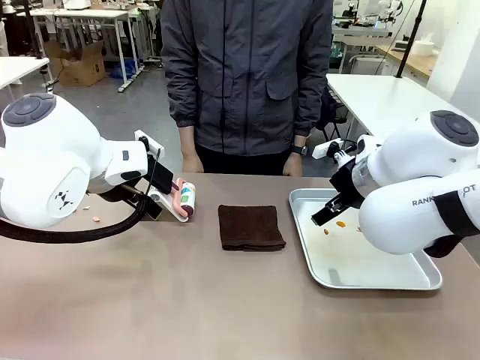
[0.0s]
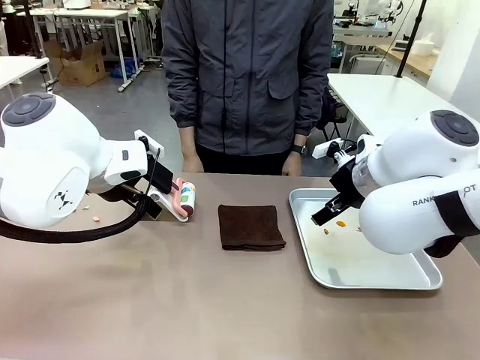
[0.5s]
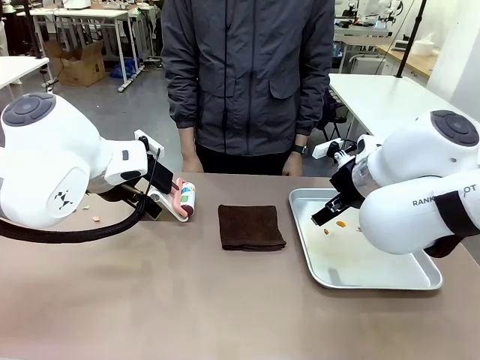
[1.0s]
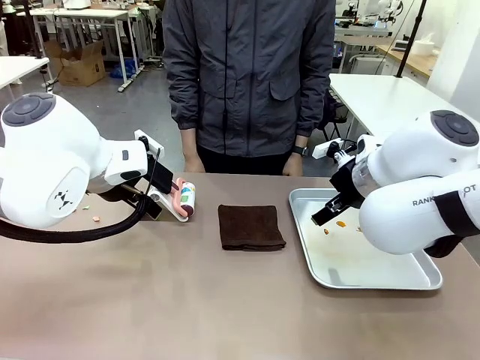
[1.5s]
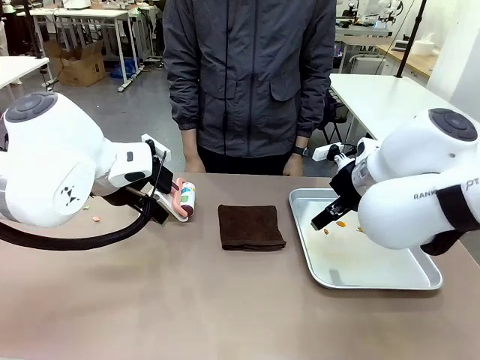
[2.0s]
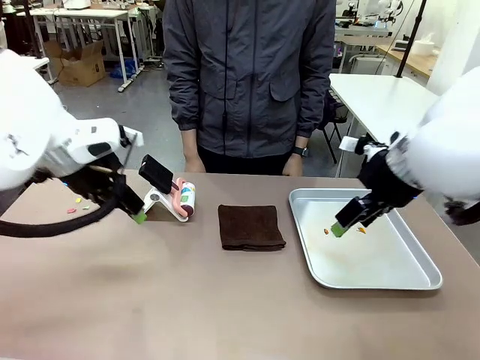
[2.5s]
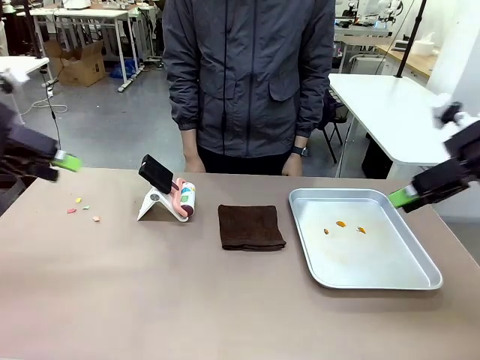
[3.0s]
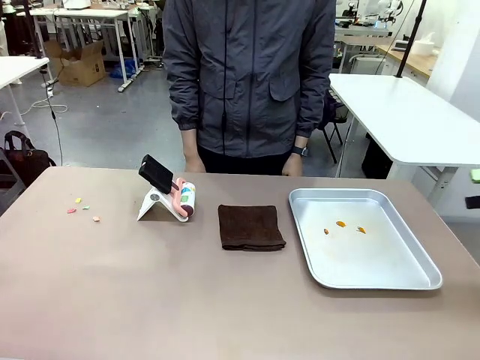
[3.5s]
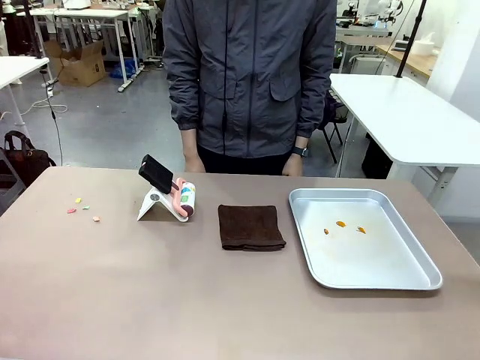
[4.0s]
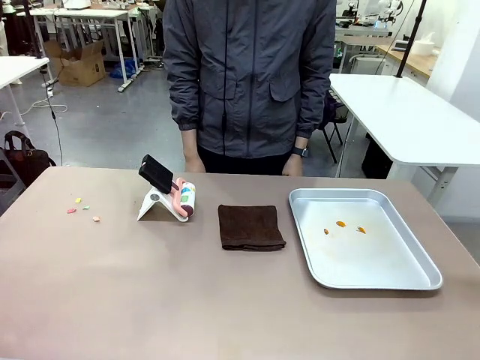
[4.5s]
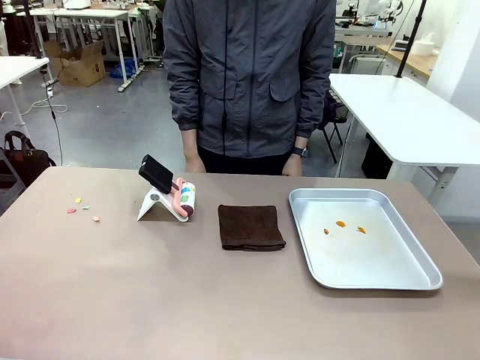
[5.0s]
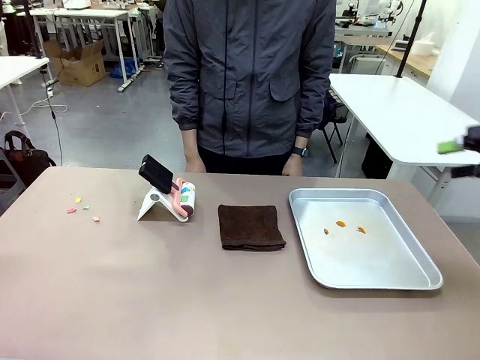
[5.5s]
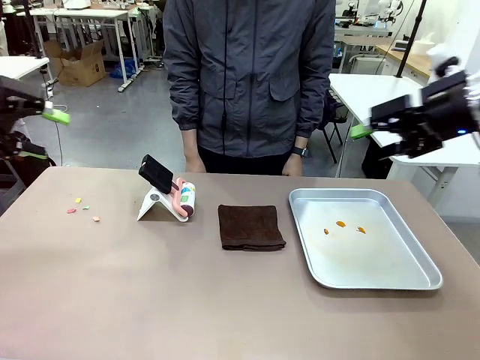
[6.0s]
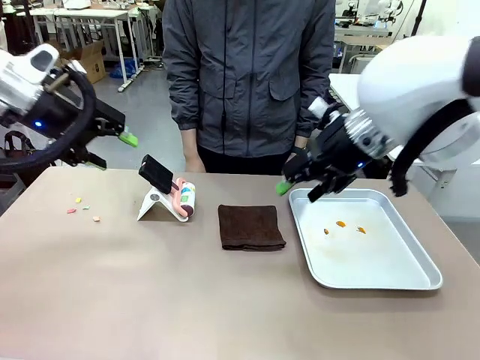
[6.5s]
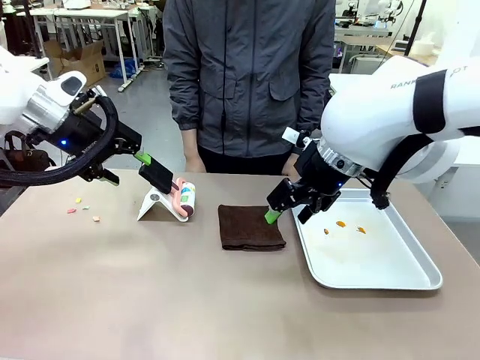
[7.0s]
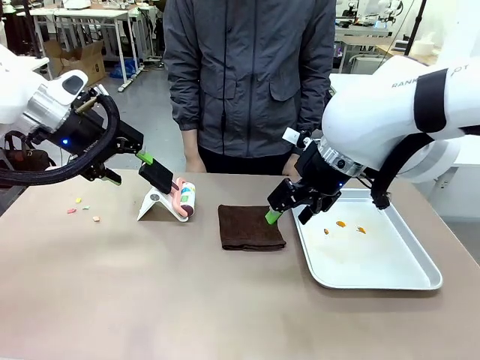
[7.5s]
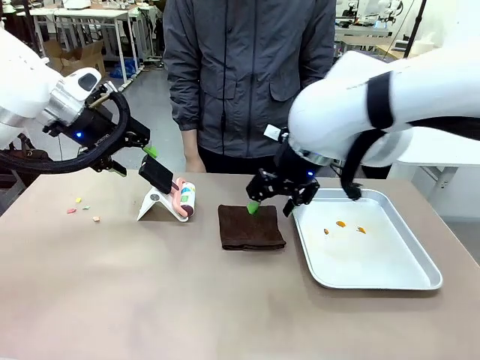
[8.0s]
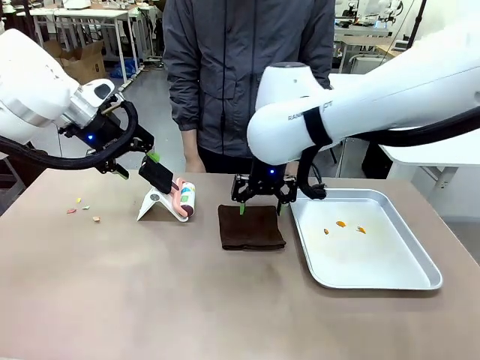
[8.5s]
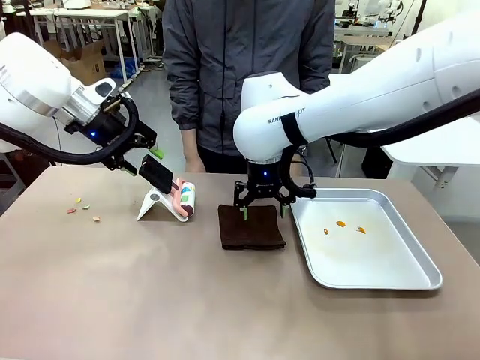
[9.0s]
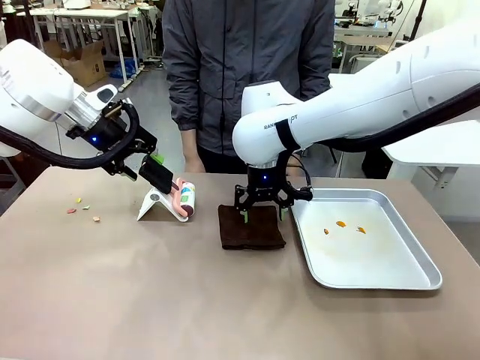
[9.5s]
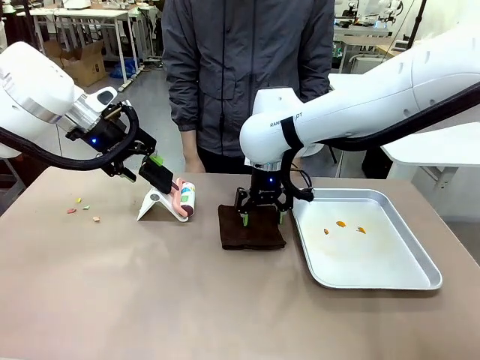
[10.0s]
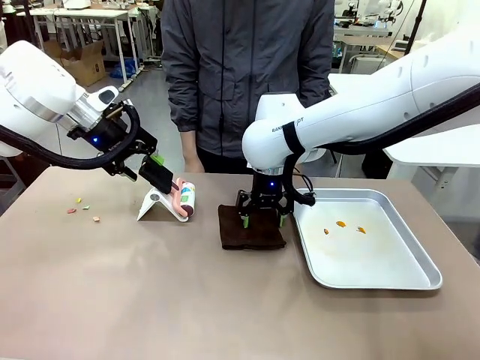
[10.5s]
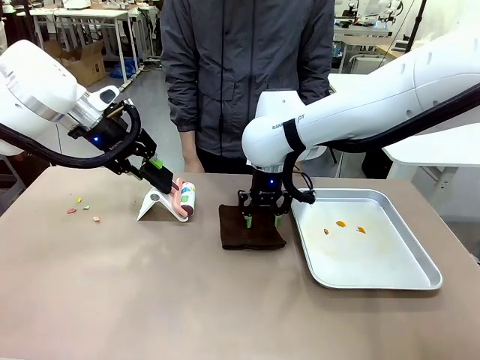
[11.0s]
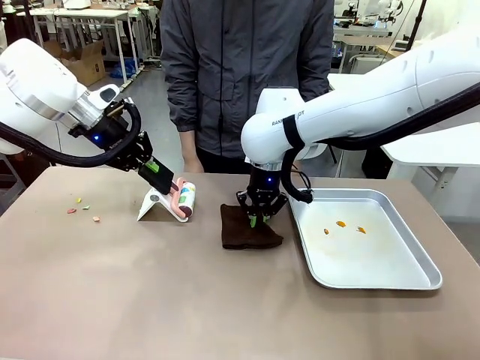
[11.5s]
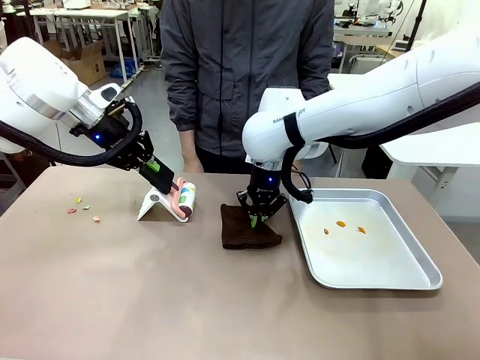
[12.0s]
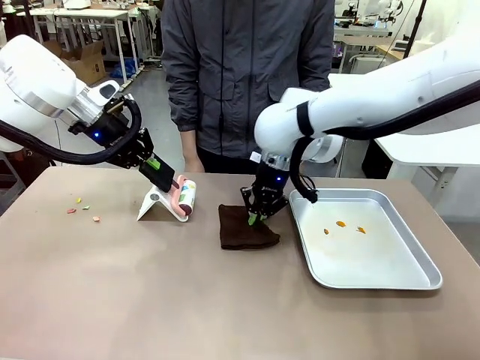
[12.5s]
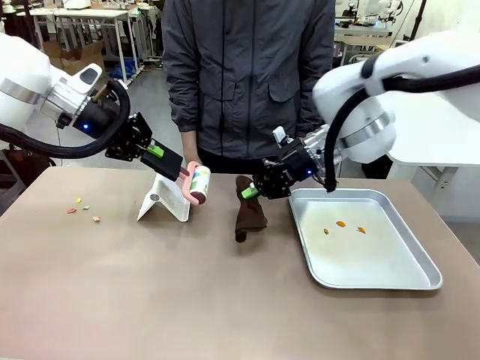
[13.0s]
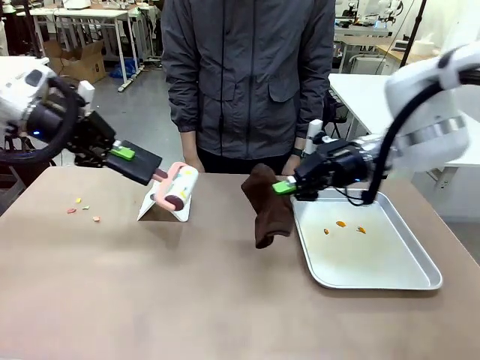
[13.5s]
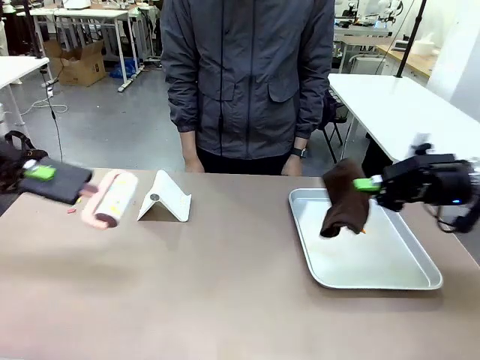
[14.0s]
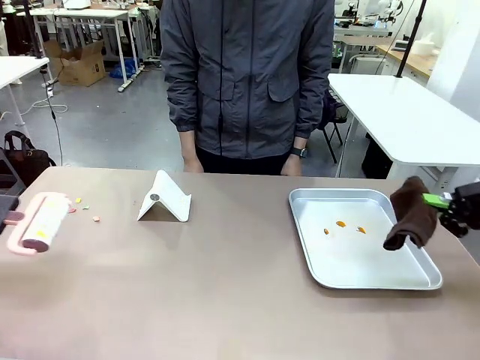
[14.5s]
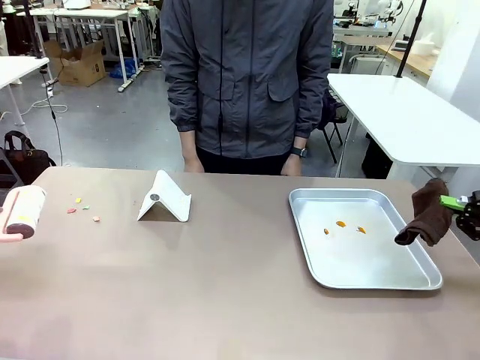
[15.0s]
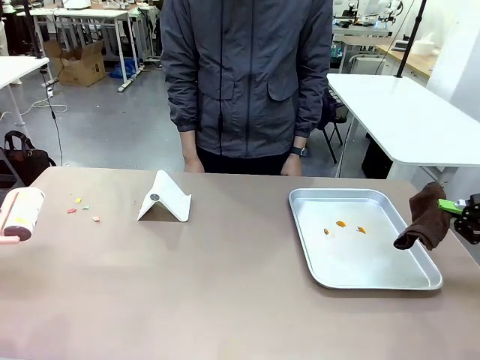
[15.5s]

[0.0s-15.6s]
Task: Clean the surface of the table.
Robot: Hold the Lint Roller with your left hand and the towel with your right hand.

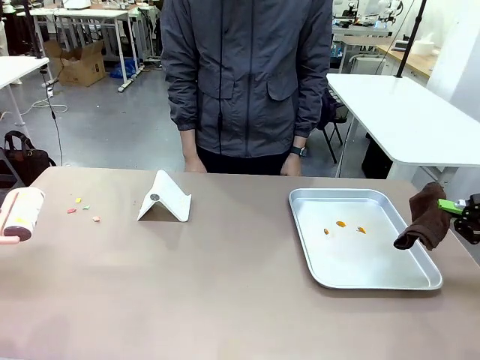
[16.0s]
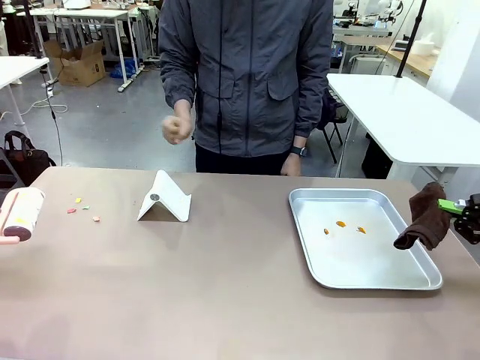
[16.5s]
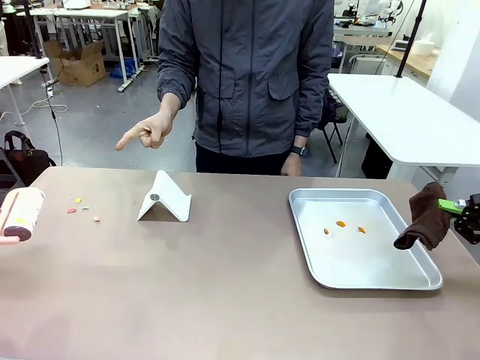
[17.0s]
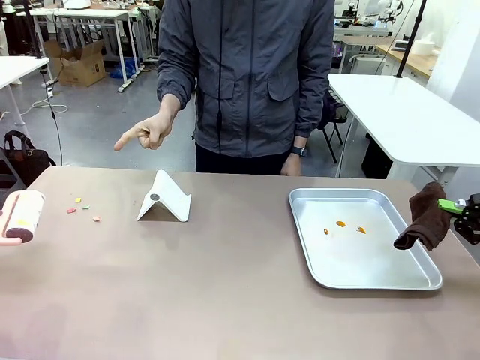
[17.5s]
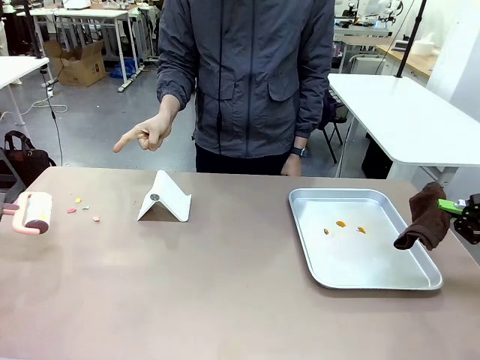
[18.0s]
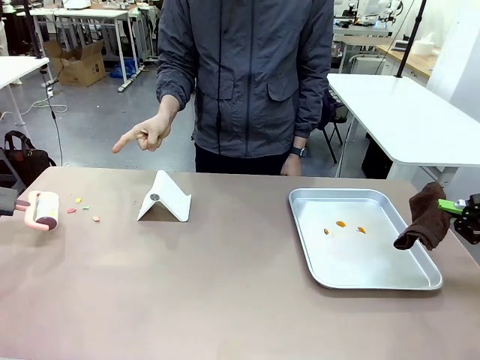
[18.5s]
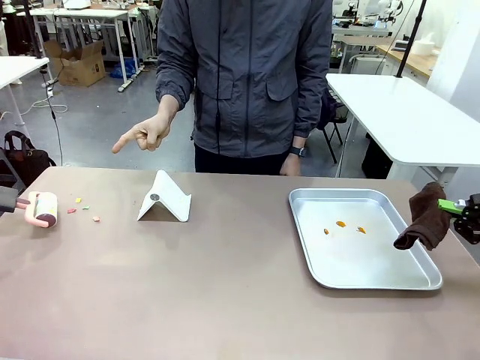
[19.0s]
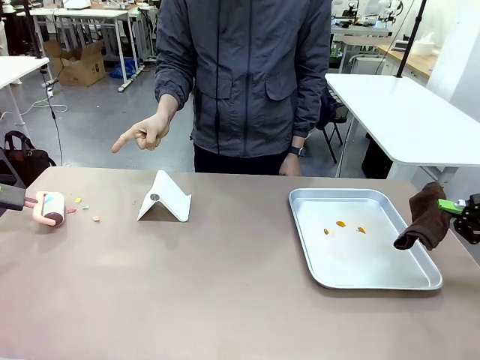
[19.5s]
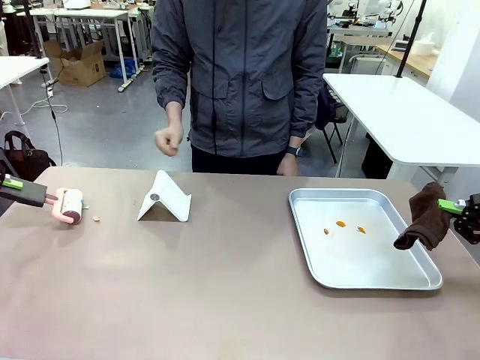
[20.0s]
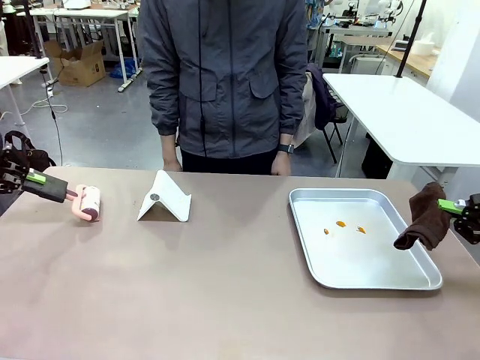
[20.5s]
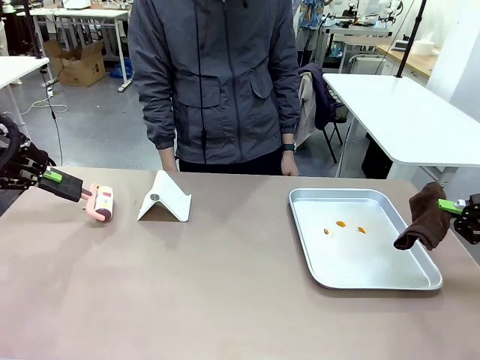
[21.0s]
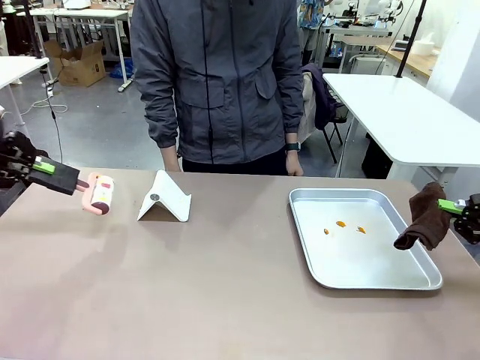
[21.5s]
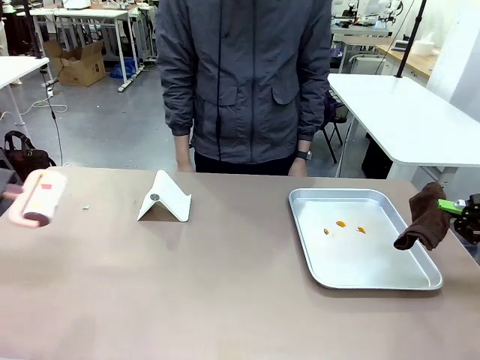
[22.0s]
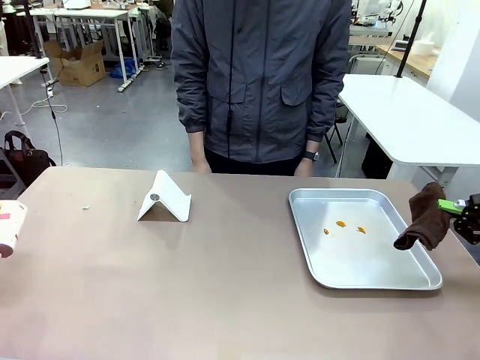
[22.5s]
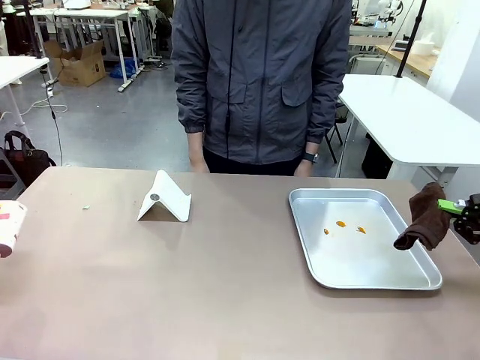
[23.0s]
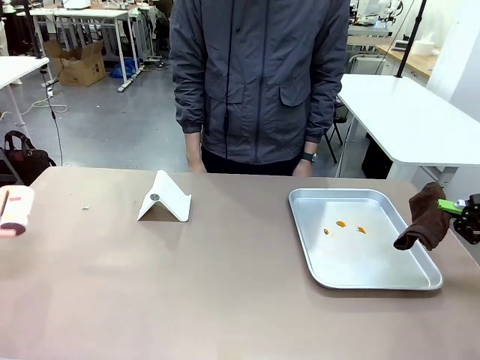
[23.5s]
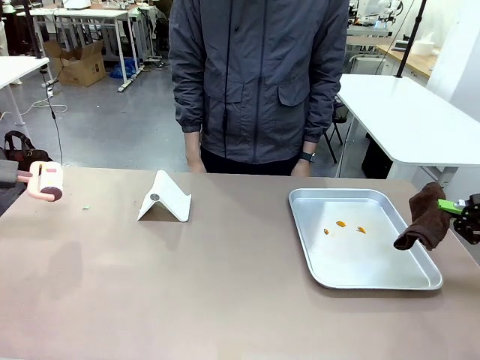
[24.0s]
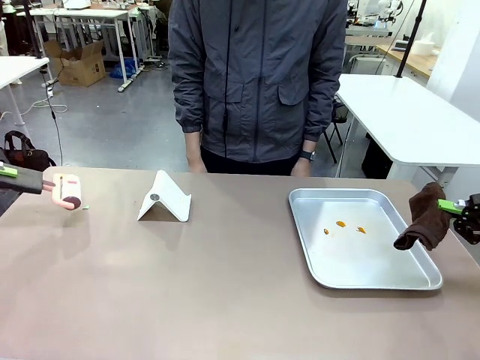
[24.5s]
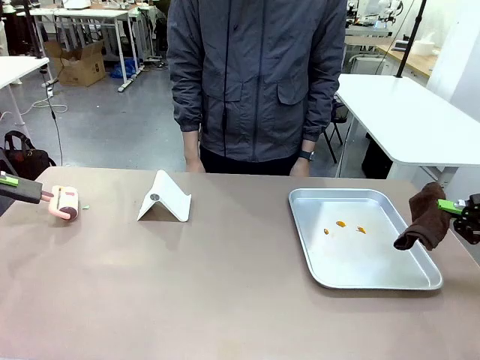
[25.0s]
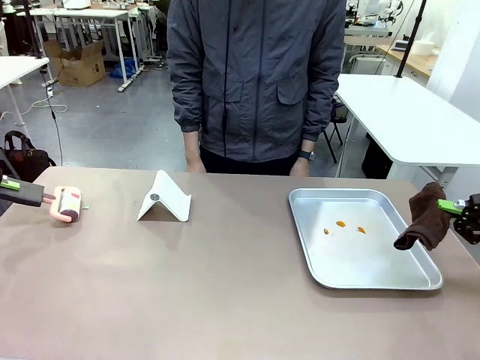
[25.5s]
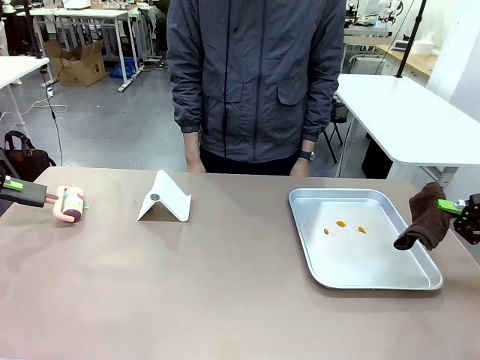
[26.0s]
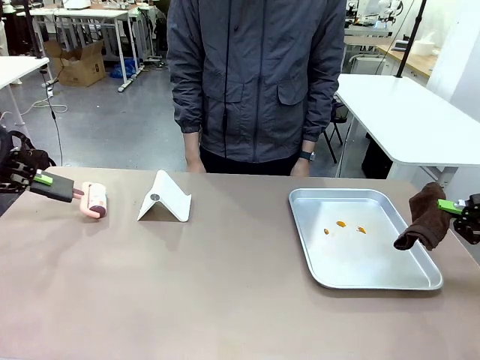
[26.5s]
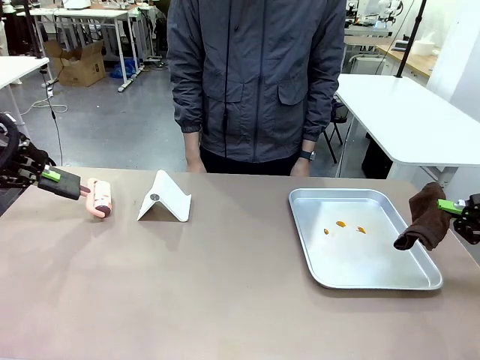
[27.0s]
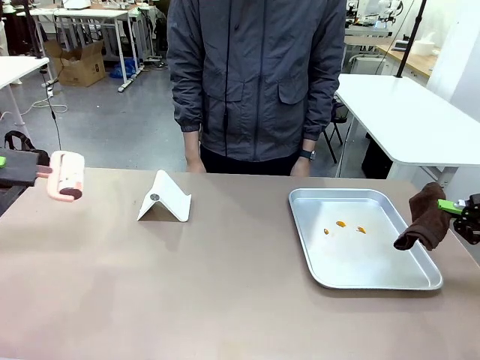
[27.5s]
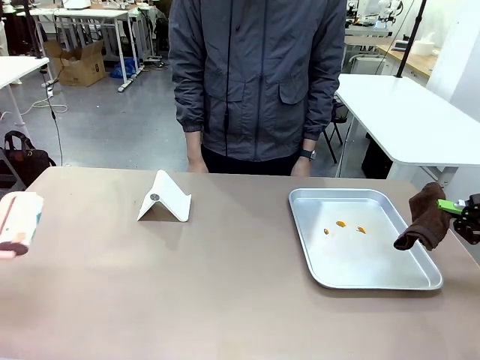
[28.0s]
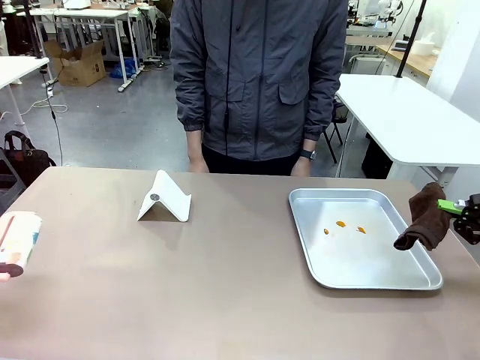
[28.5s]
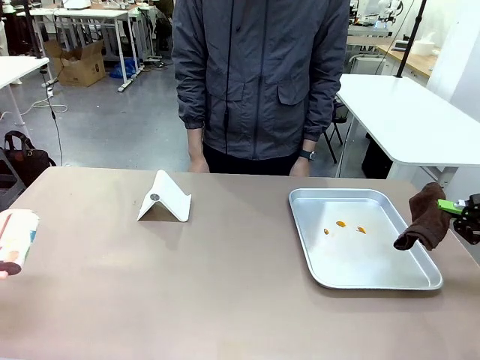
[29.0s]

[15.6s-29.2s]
Robot: If a person points to the right, clean the right side of the table with your right hand, and if they point to the left, clean the left side with your left hand.
